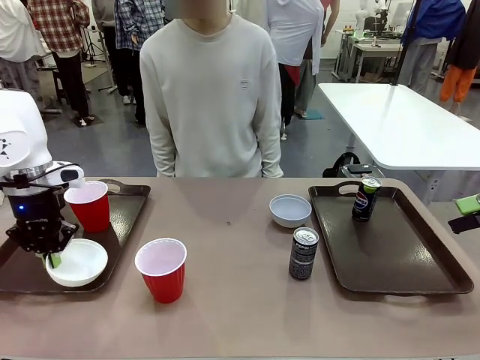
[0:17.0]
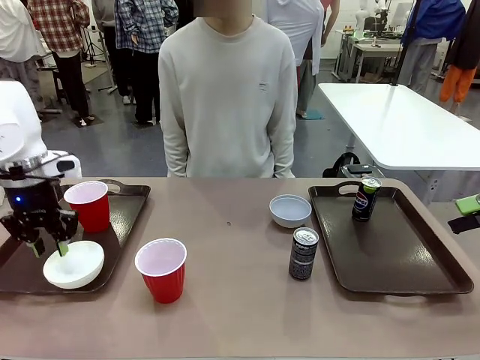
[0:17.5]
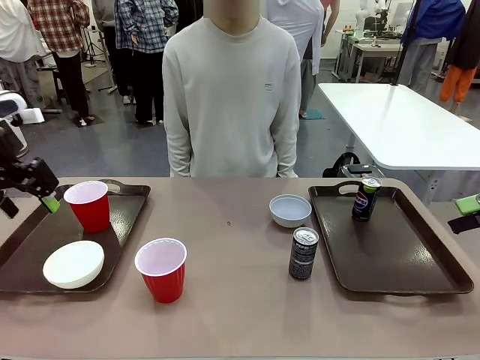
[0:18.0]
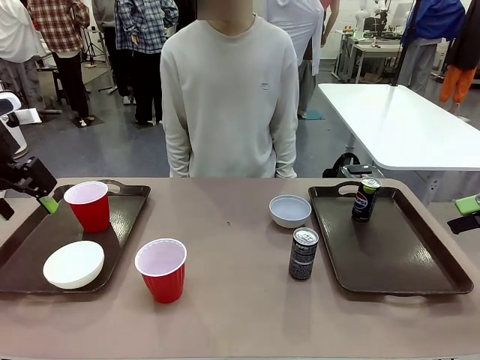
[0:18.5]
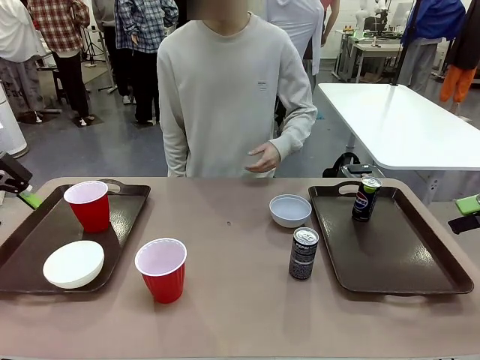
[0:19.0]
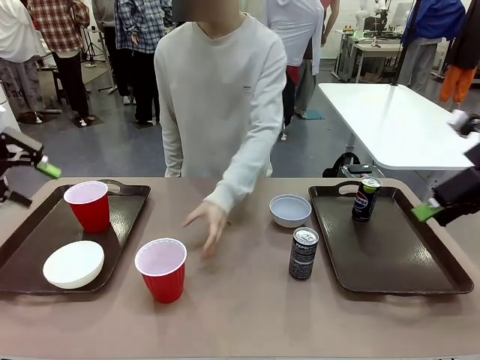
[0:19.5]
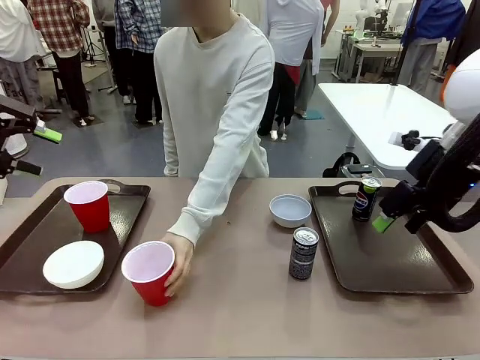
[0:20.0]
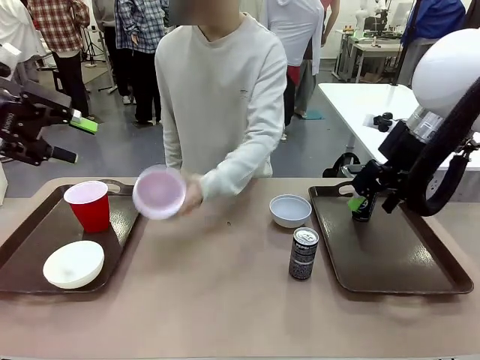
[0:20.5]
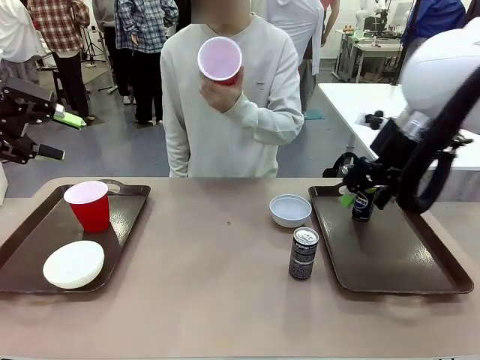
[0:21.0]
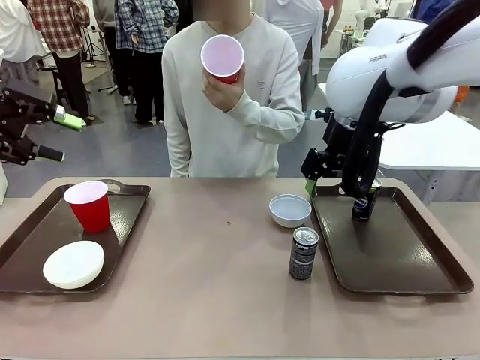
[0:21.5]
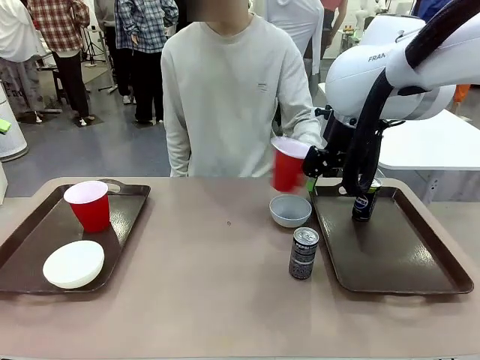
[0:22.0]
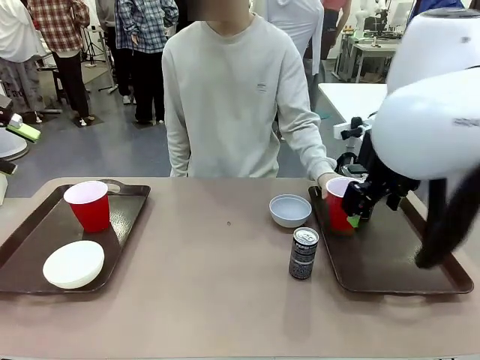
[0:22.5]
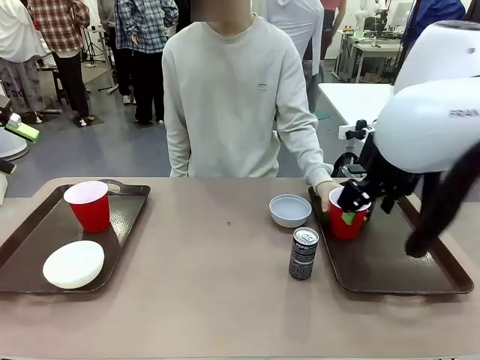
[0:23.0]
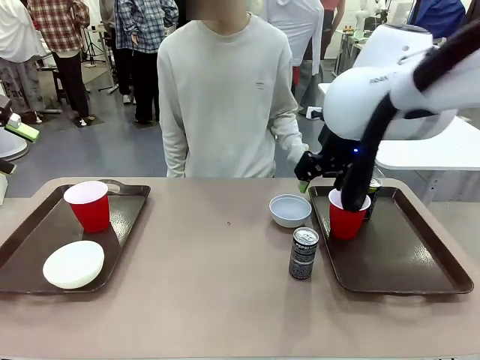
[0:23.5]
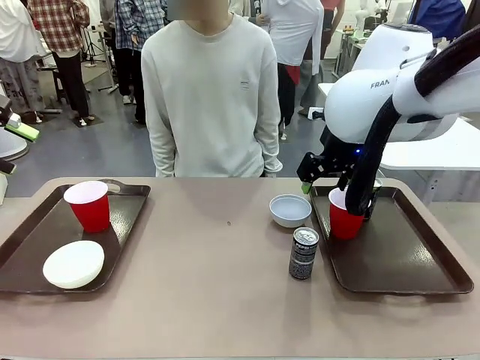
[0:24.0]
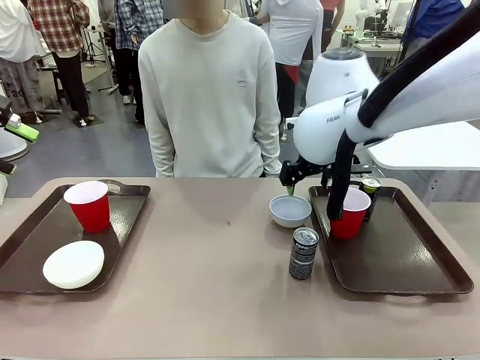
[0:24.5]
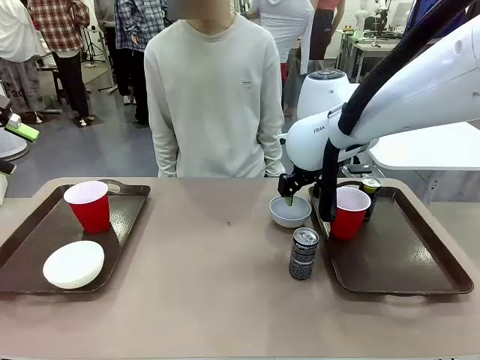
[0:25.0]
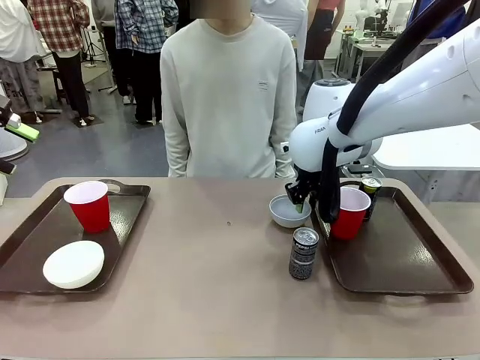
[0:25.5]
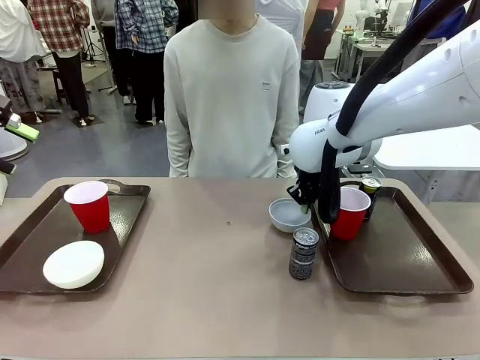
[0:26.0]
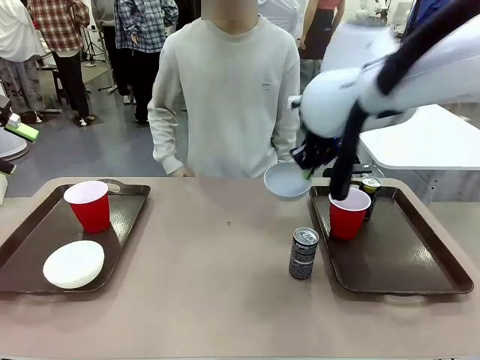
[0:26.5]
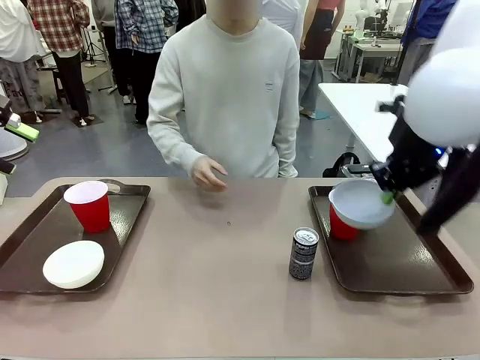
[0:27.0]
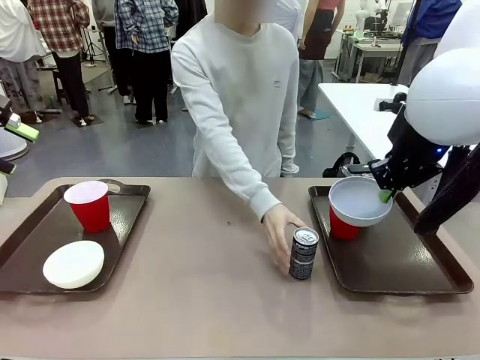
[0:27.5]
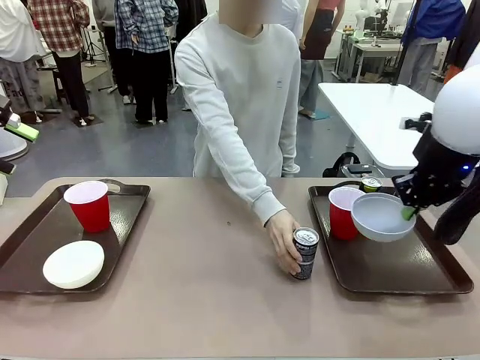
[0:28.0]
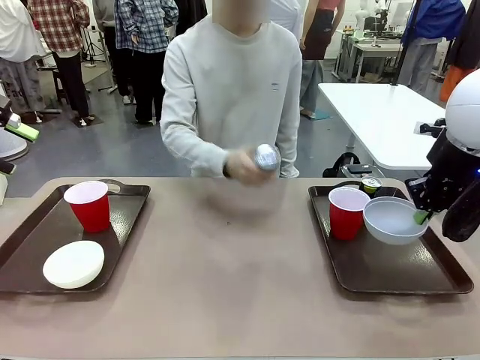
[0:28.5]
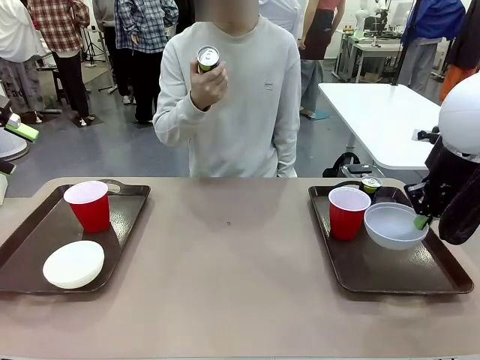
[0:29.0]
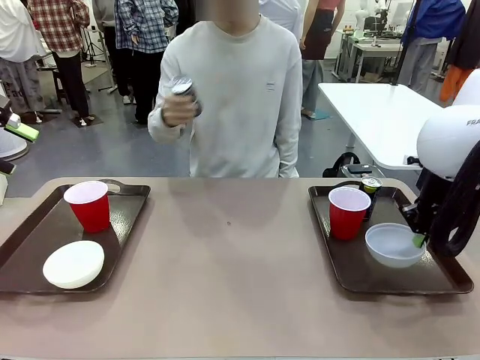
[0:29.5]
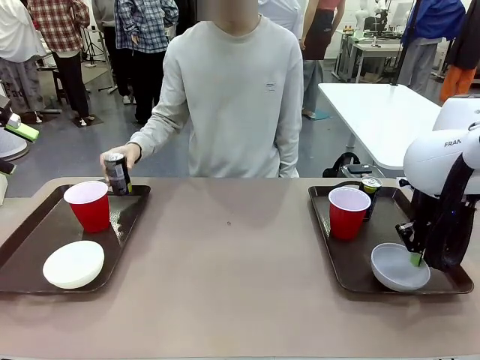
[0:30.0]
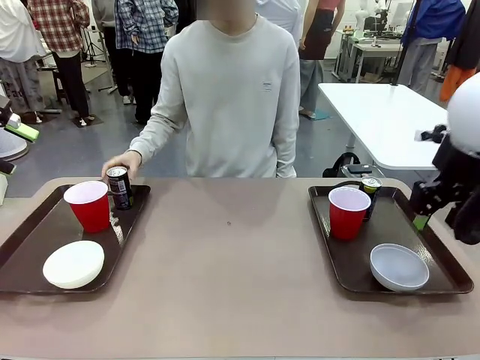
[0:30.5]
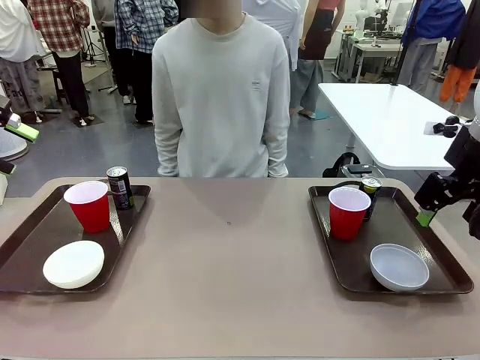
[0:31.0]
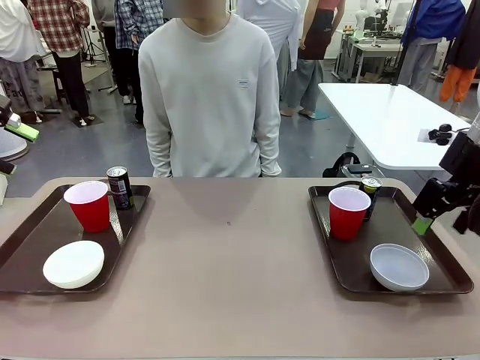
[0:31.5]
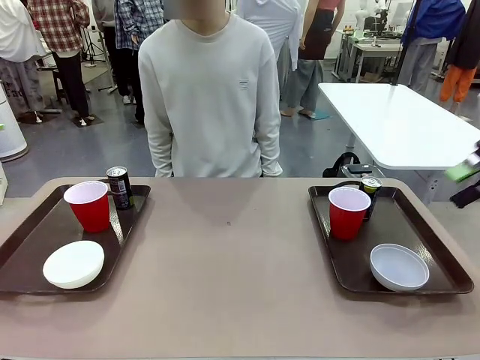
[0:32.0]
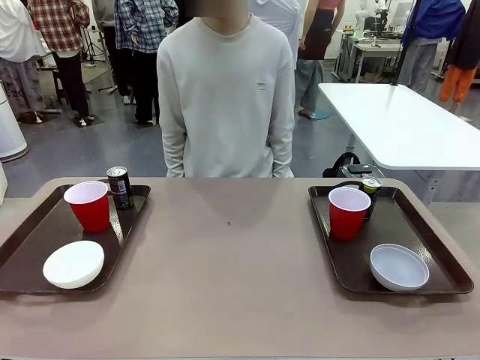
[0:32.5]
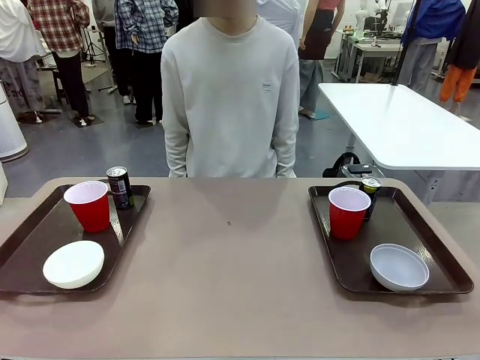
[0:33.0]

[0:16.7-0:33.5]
Task: Prepare tableware on both trays.
Robot: Pick up a Picnic Bowl from the table and place it on a Handle tray.
Person: Pick up a can or cup and place it on the tray without a can or cup.

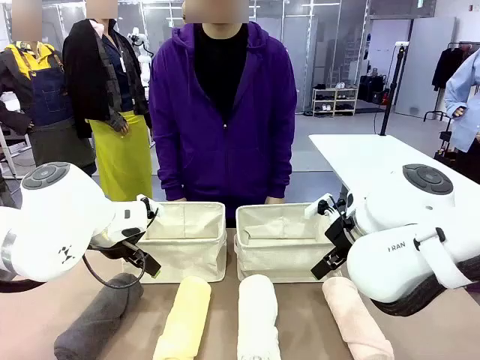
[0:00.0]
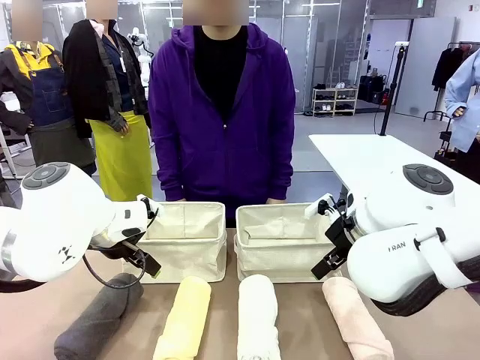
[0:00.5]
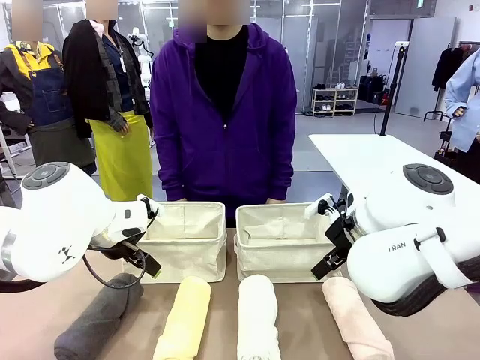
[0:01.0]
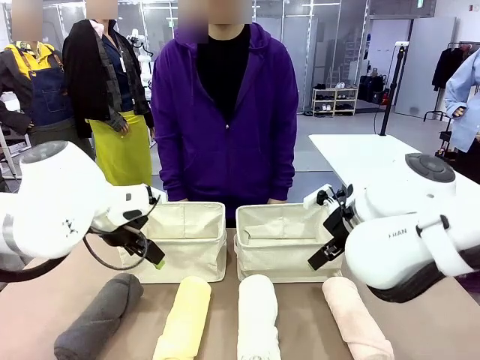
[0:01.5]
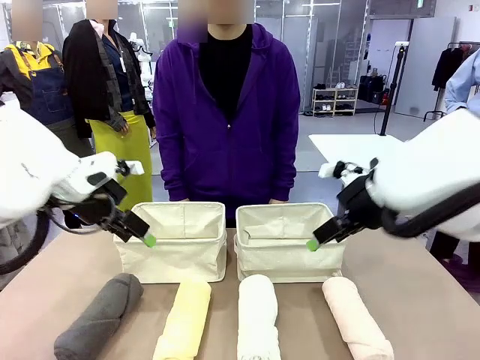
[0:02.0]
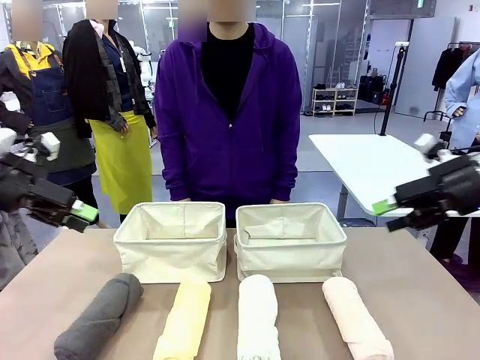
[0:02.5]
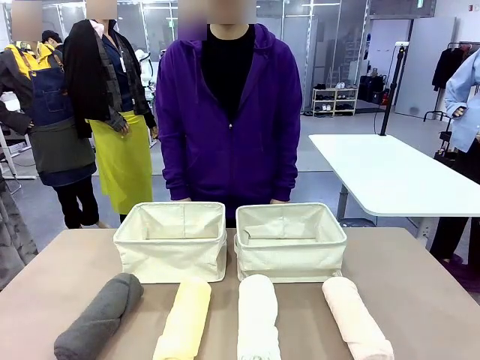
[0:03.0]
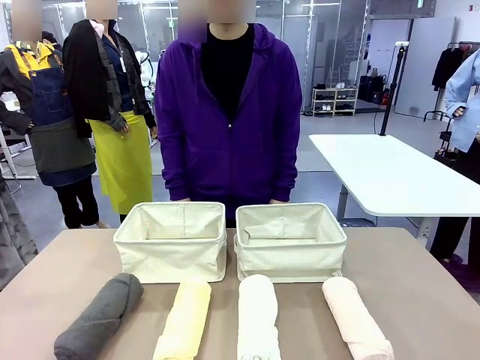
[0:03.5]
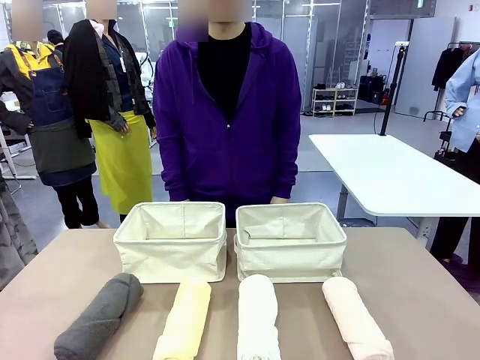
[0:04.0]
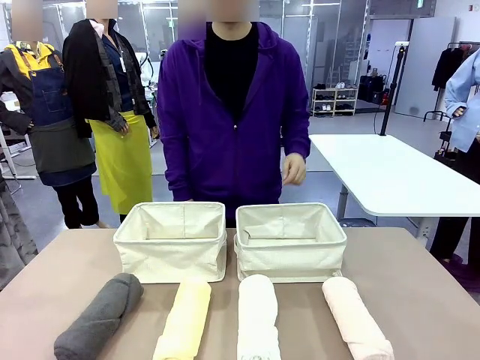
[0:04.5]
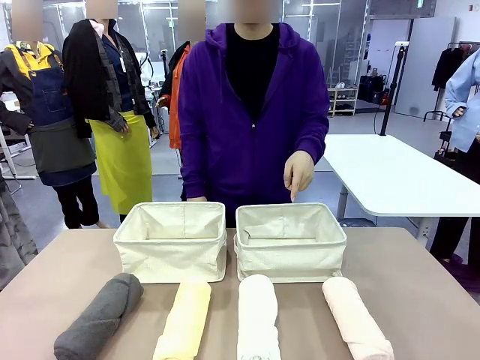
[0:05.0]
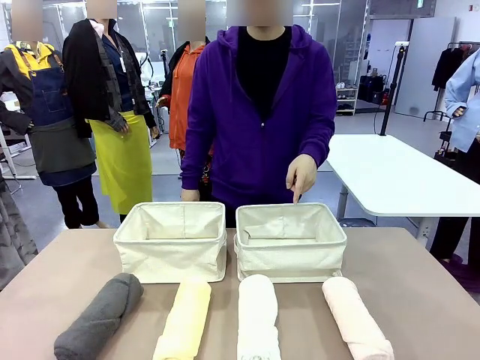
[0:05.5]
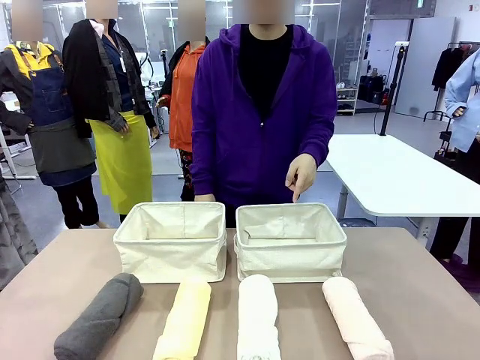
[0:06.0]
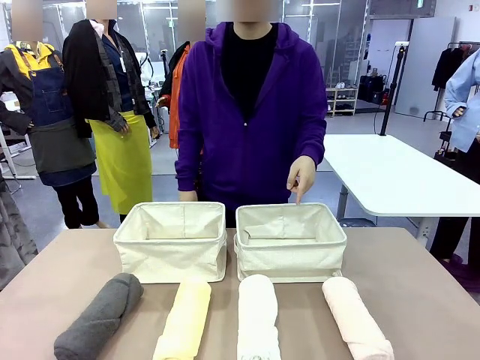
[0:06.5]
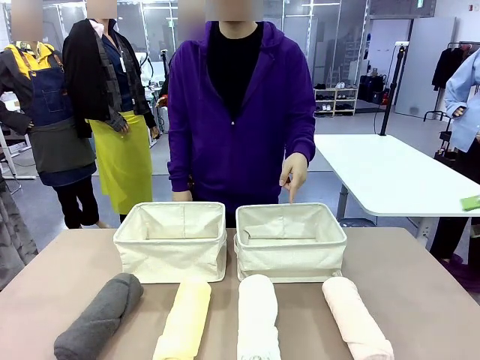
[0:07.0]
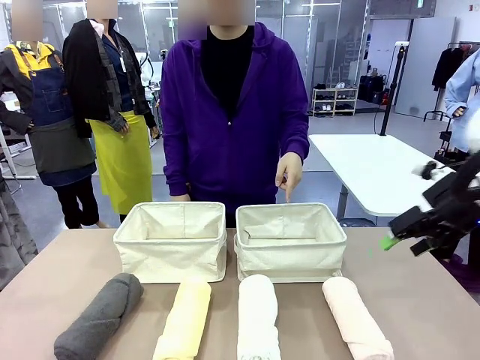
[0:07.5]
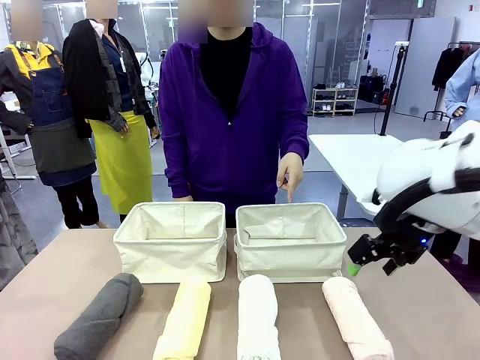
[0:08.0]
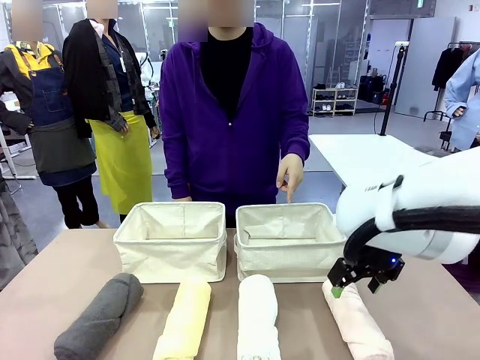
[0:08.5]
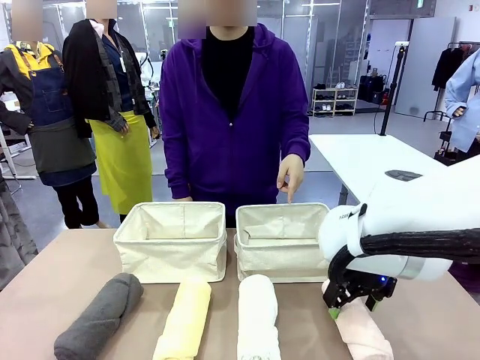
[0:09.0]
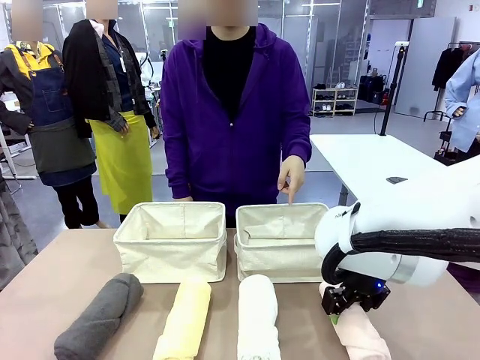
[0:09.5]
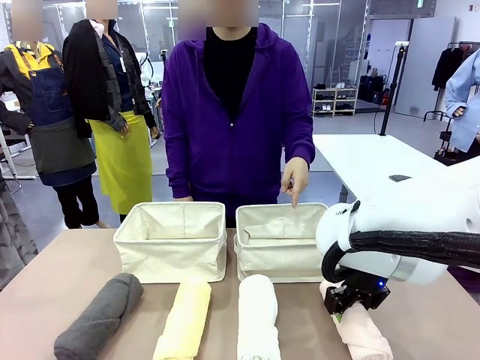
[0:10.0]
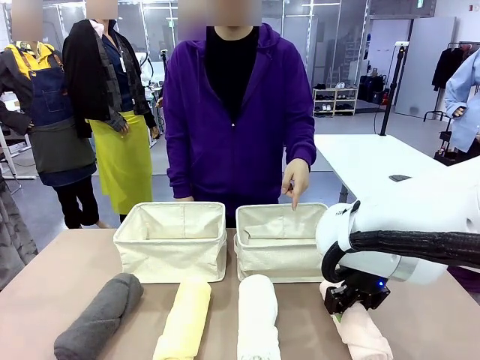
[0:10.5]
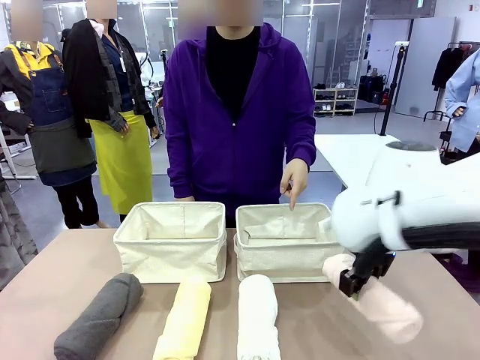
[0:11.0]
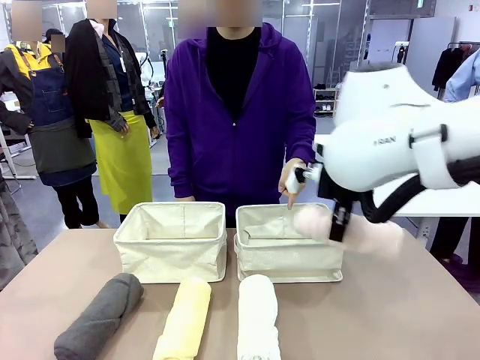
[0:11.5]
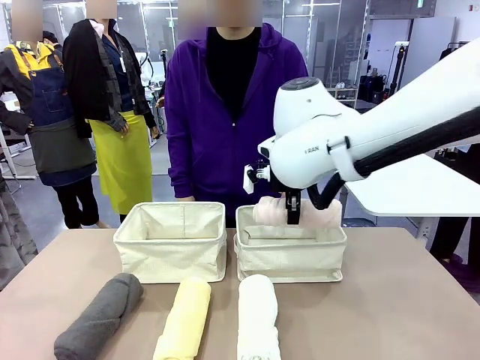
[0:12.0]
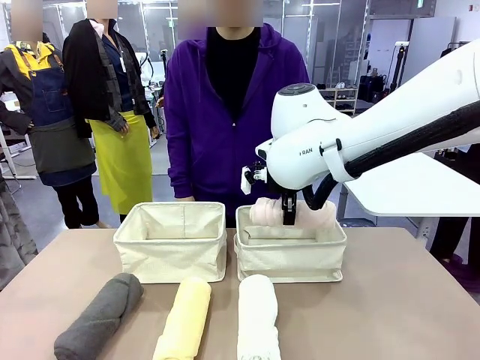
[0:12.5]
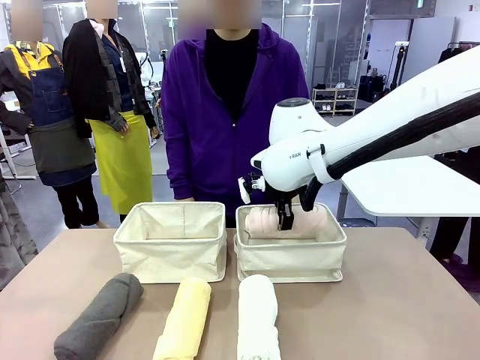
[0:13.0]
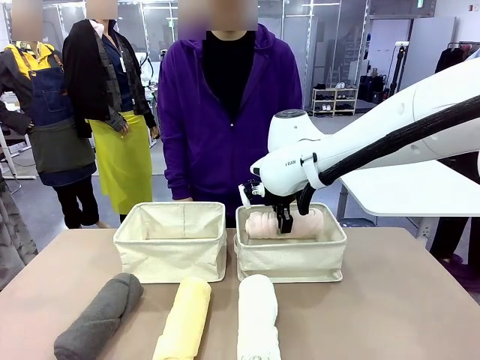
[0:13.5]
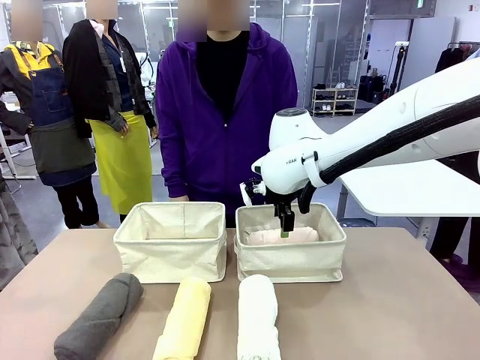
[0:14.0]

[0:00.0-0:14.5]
Task: Divide the towels into two baskets.
Robot: Pick up one hotel-folded towel and place it in the Fabric basket indicated by the person.
